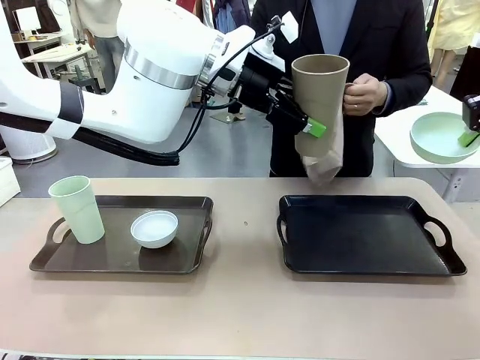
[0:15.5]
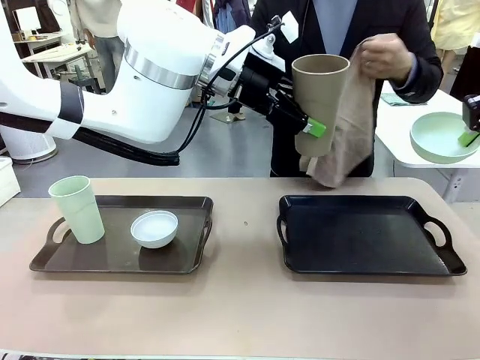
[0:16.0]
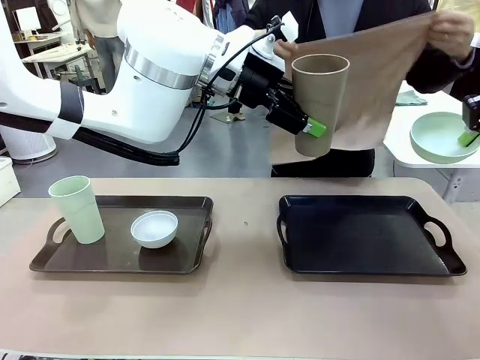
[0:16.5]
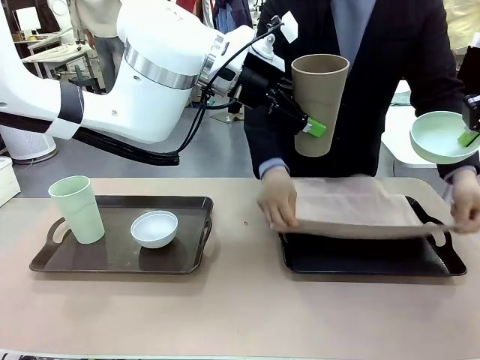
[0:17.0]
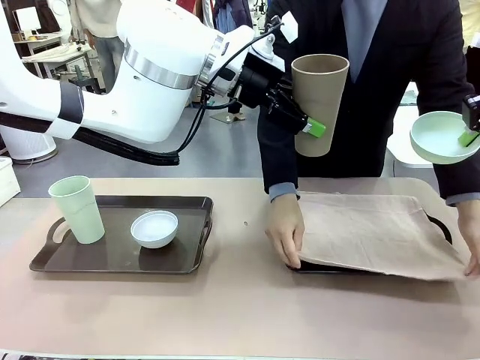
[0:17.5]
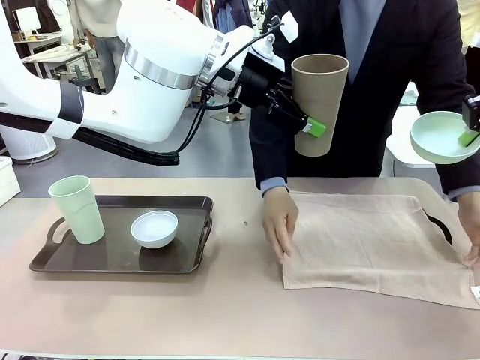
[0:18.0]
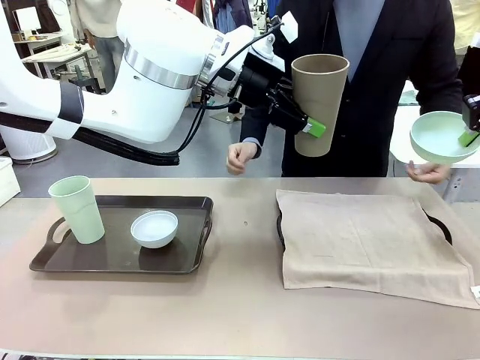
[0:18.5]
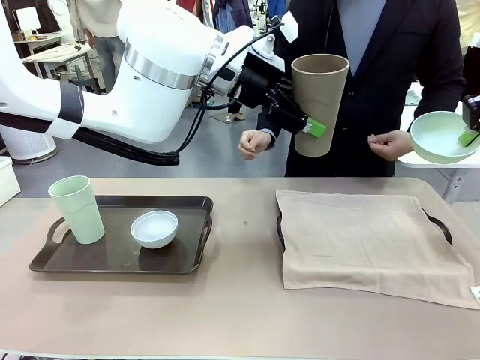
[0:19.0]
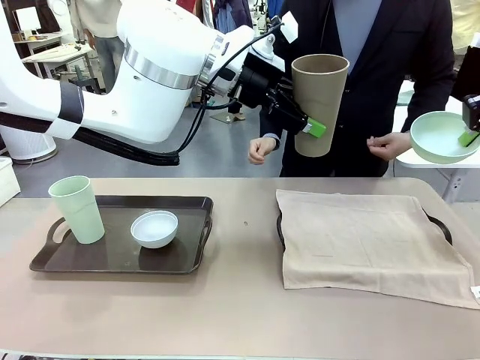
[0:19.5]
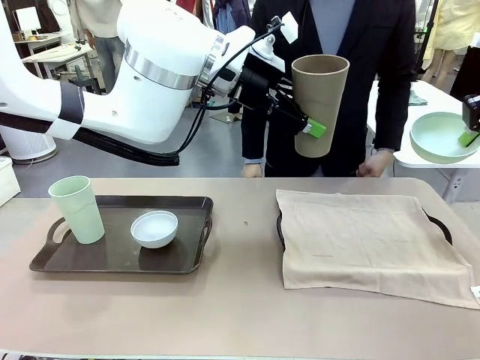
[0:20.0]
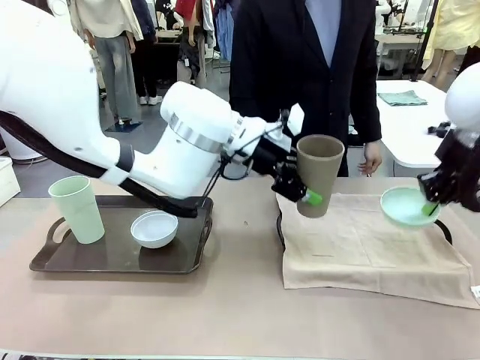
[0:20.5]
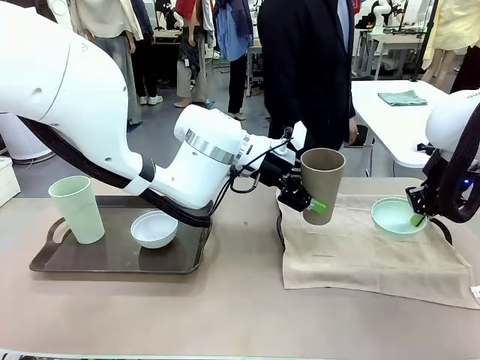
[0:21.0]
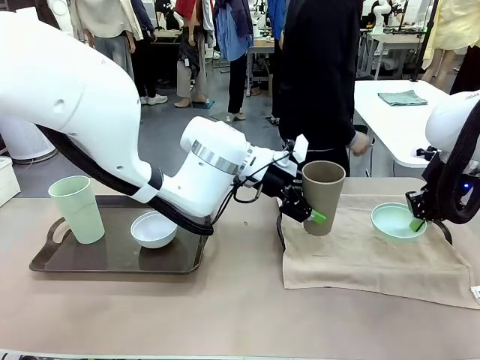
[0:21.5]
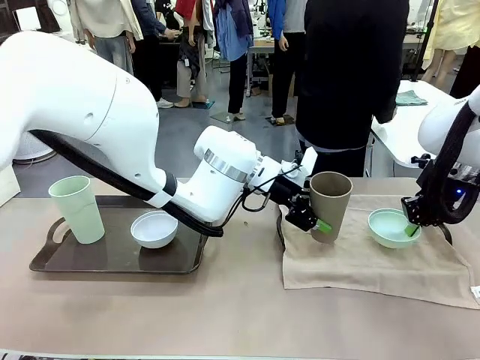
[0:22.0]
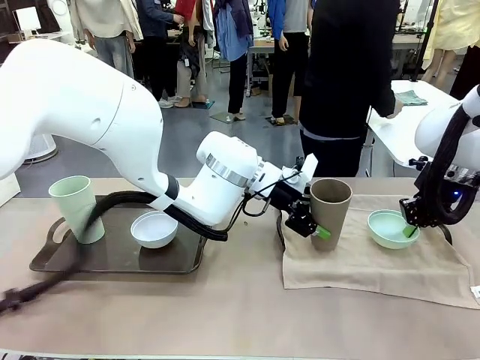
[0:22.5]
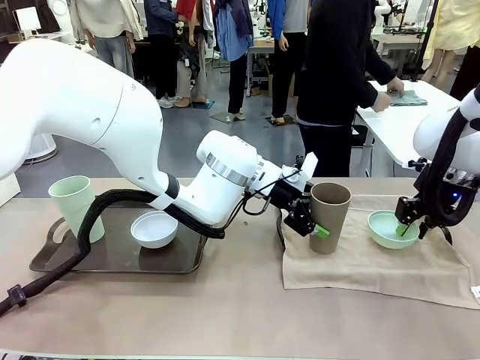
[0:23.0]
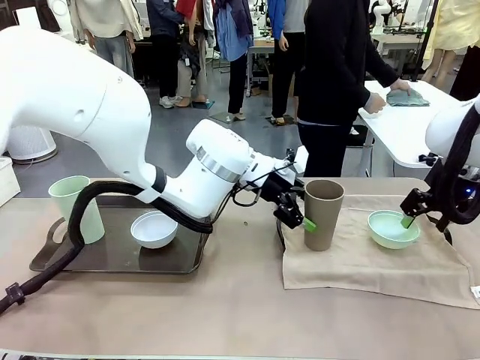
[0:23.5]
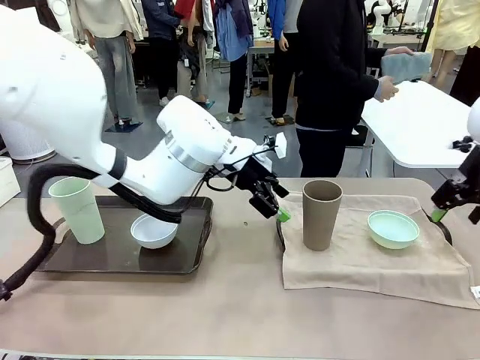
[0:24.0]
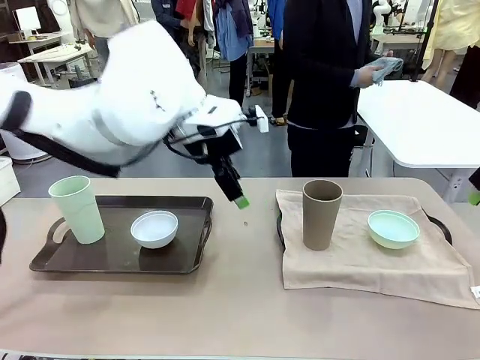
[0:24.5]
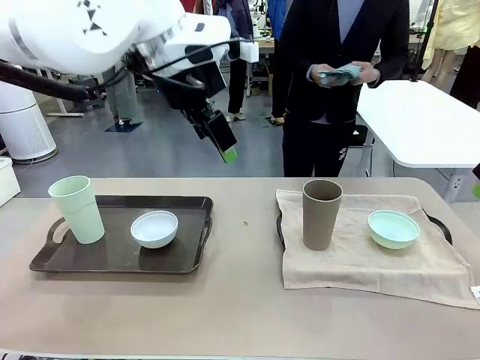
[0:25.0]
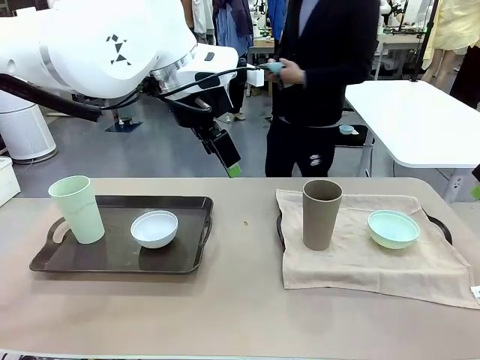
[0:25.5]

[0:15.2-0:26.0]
Robot: Place the Picnic Bowl and Reusable plastic cup back onto the Handle tray in front of the human's position.
Person: The human returns to the human table to pick up another napkin and walks to the robot table to stand in front of the tray without a napkin.

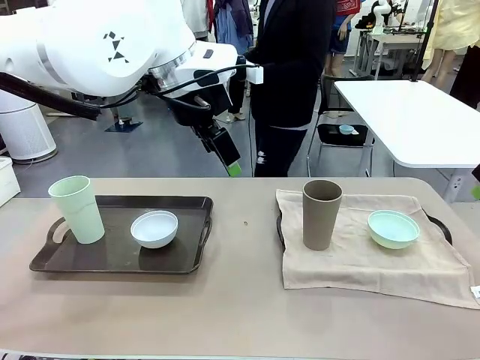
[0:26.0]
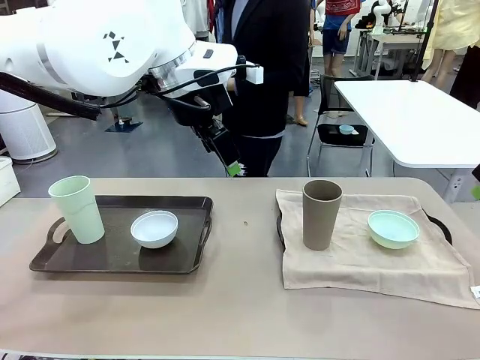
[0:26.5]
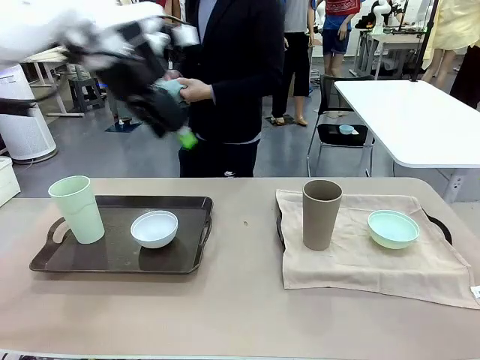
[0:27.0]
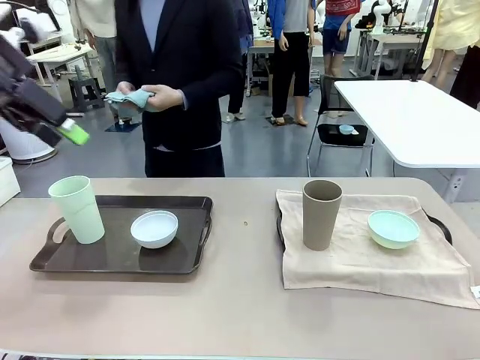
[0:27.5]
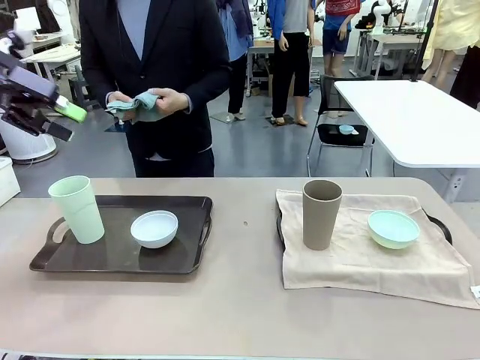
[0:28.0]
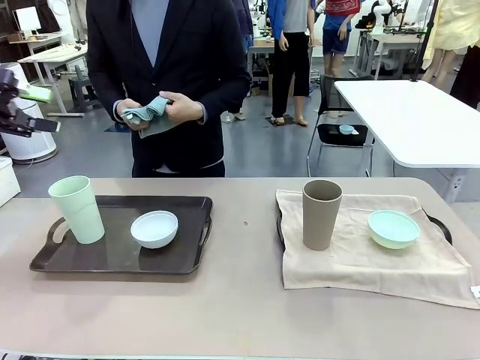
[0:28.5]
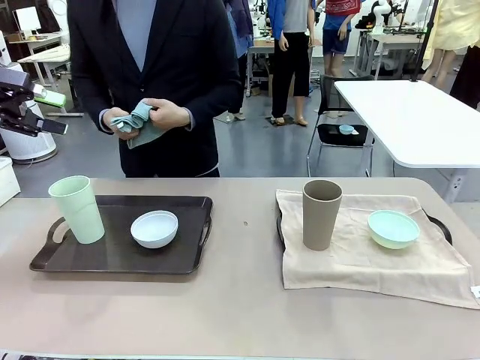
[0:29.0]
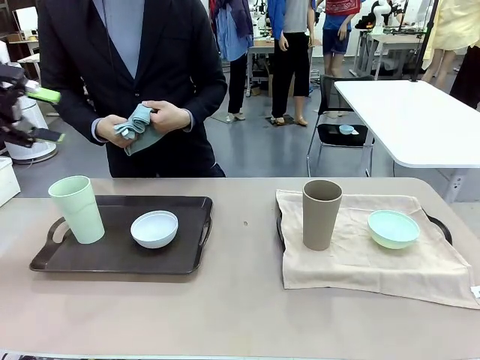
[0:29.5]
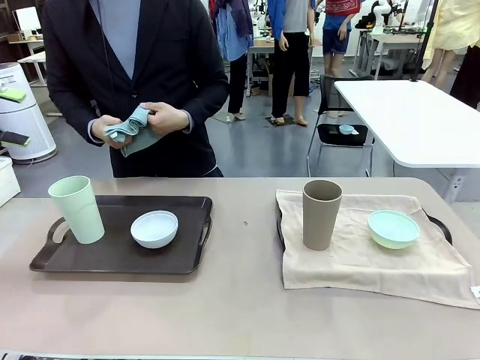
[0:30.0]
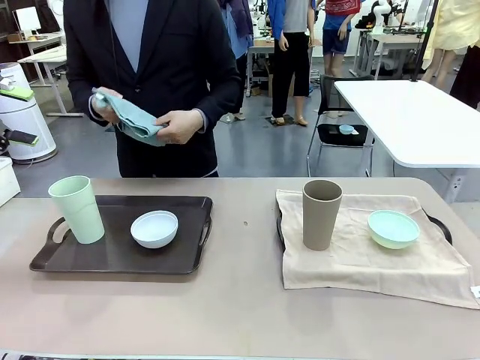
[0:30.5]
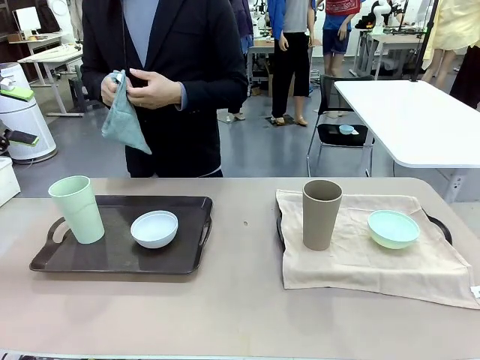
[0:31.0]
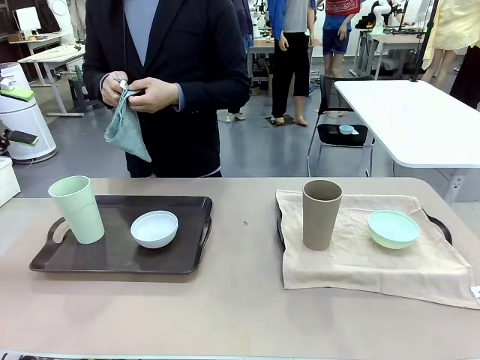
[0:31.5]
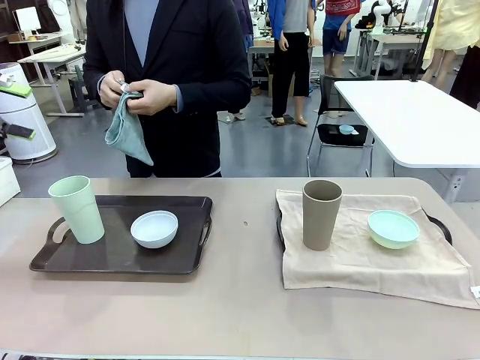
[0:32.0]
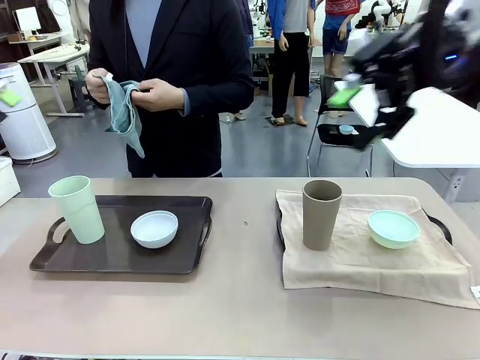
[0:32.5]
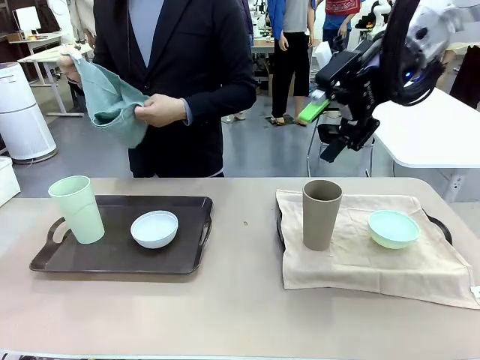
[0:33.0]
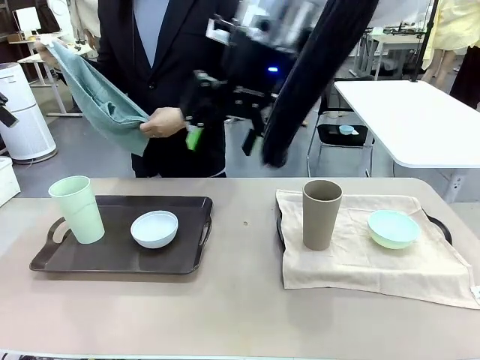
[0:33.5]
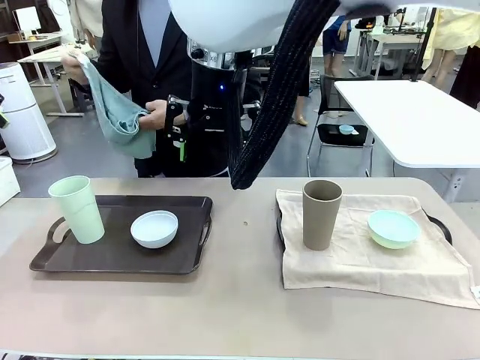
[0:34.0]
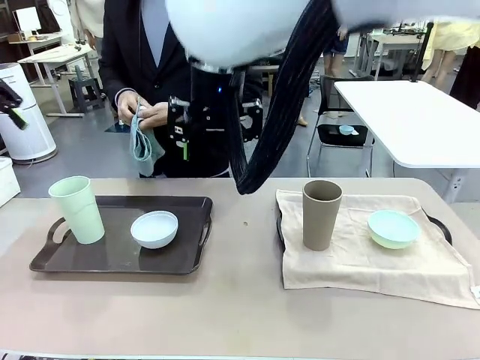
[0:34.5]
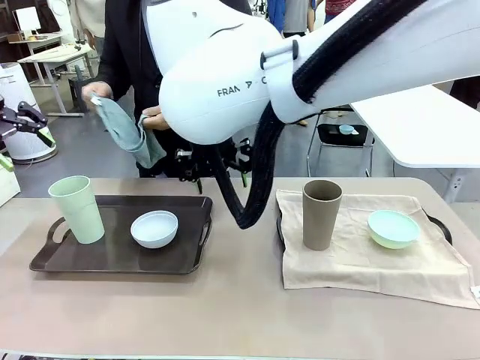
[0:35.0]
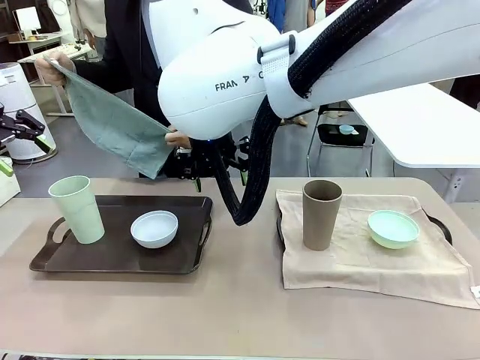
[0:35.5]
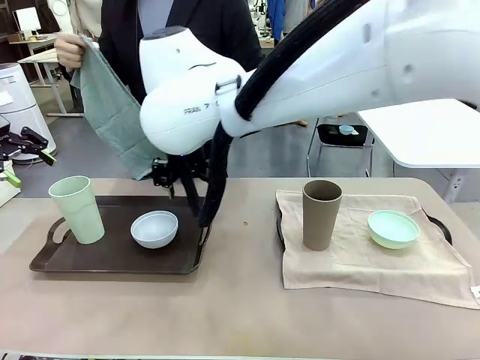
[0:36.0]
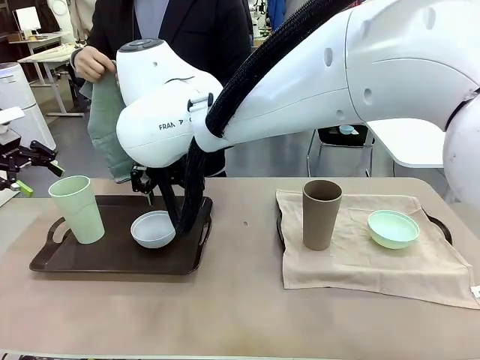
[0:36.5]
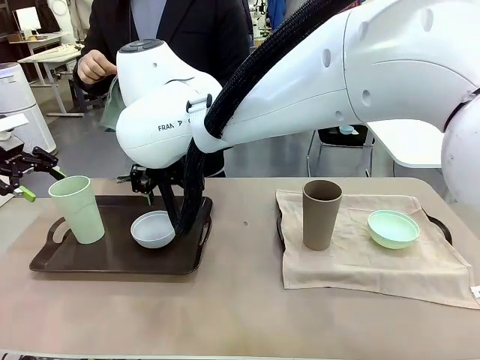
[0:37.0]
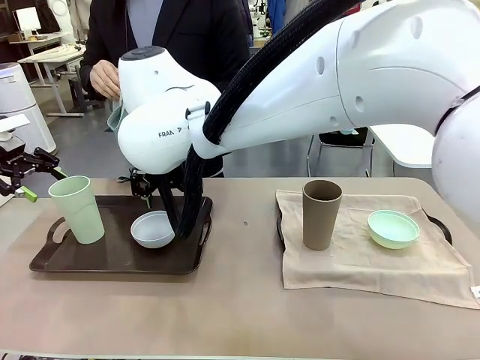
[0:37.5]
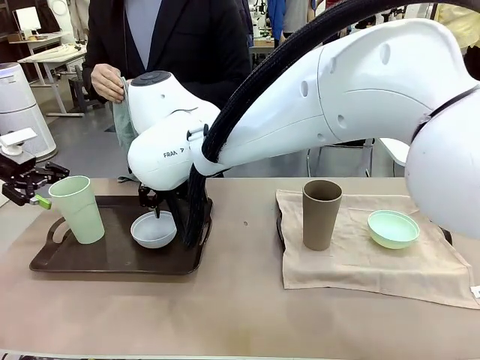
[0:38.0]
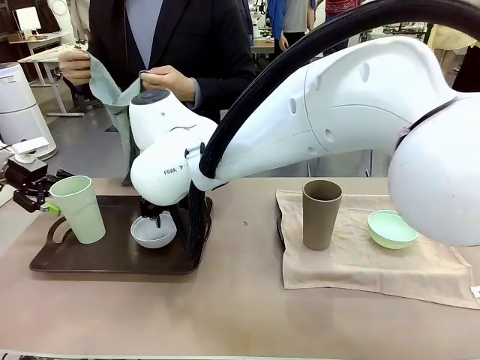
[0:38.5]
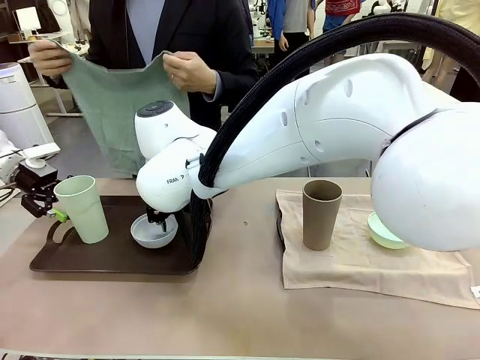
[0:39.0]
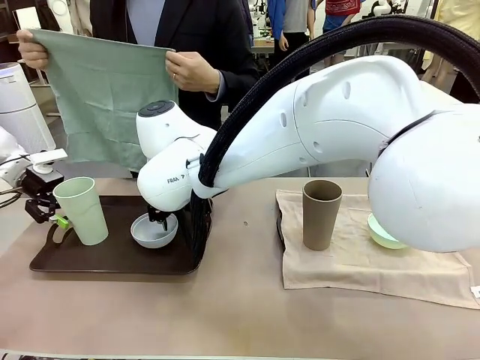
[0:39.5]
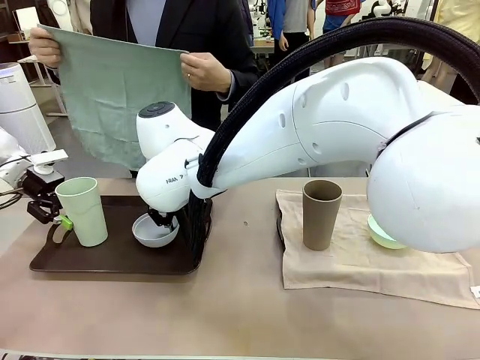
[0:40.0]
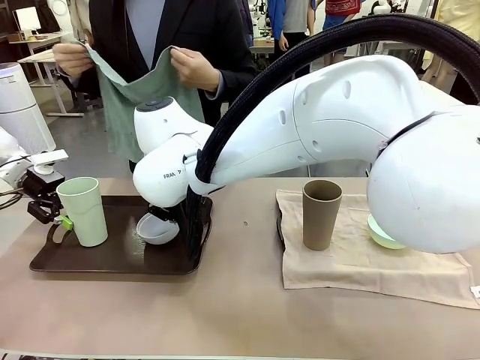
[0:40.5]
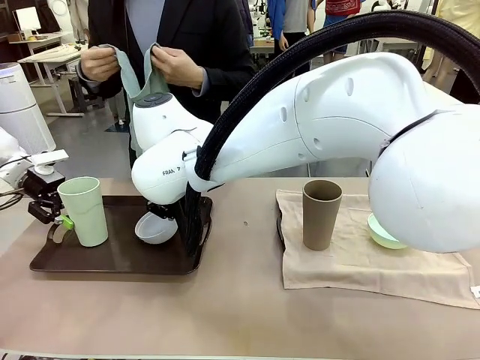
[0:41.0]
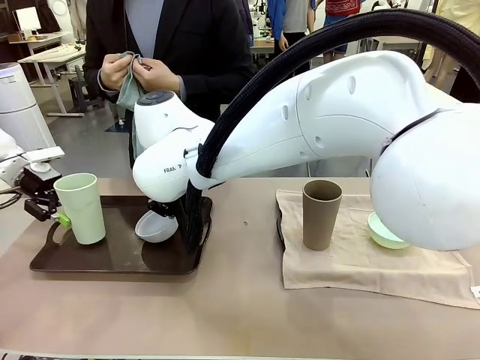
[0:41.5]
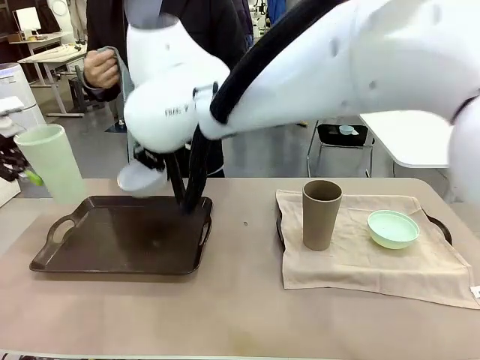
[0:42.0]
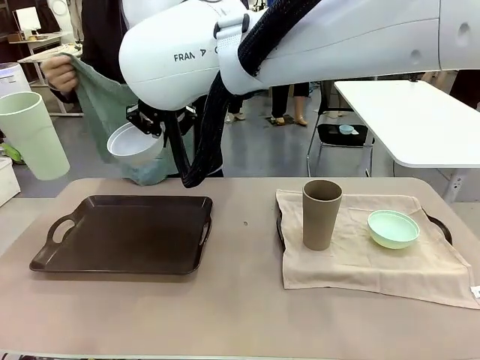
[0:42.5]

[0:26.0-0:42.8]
Robot: Pick up the Picnic Bowl and Reusable plastic cup from the Handle tray in front of the human's position and hold them in the air.
Person: When the robot lifts the bowl and the cup, the human unfolds the napkin and lays the napkin flat on the tray.
